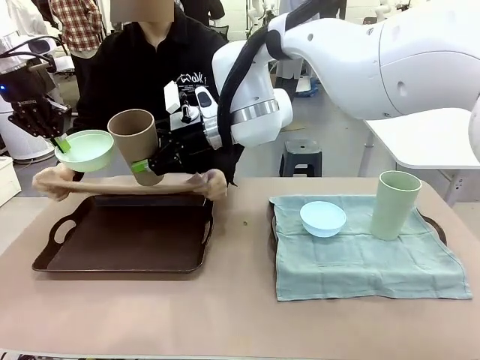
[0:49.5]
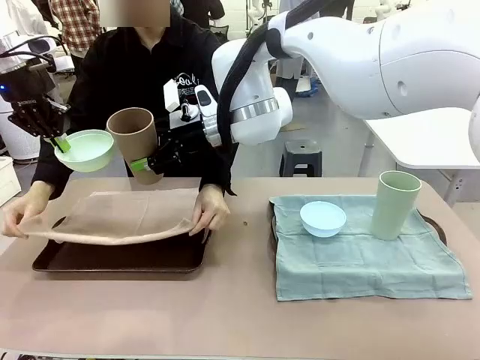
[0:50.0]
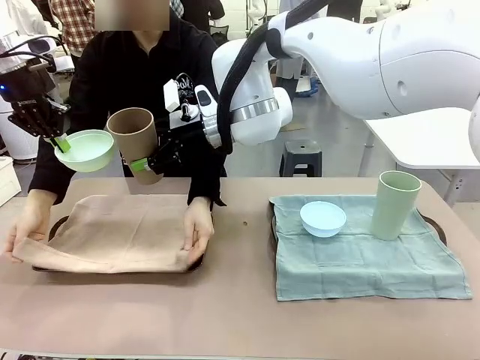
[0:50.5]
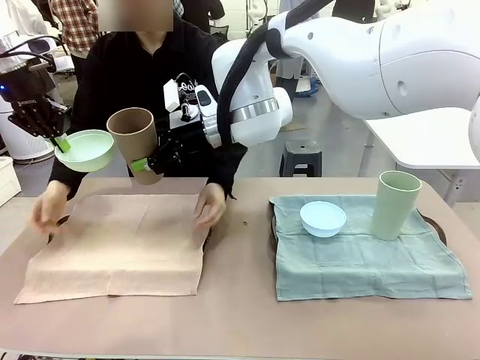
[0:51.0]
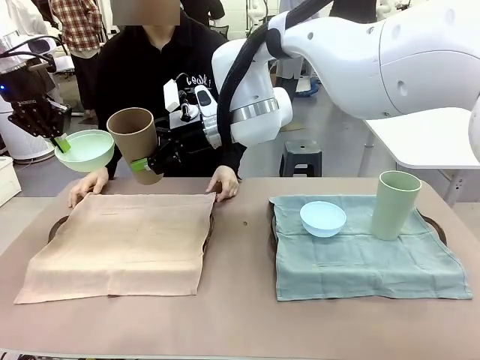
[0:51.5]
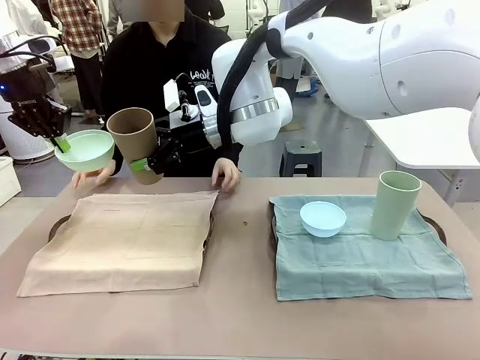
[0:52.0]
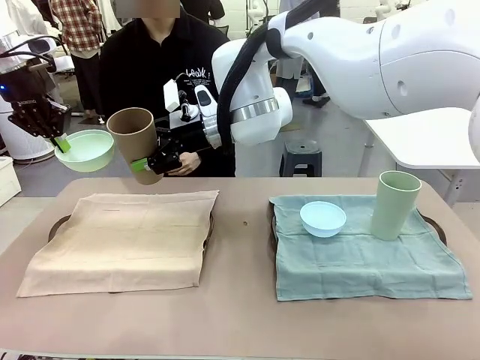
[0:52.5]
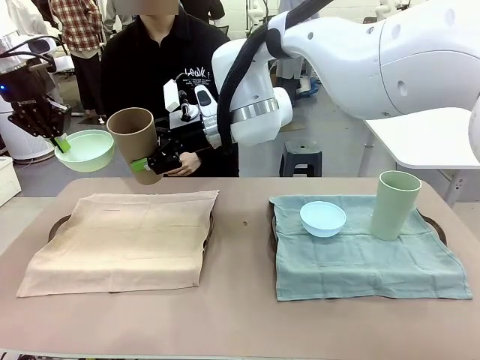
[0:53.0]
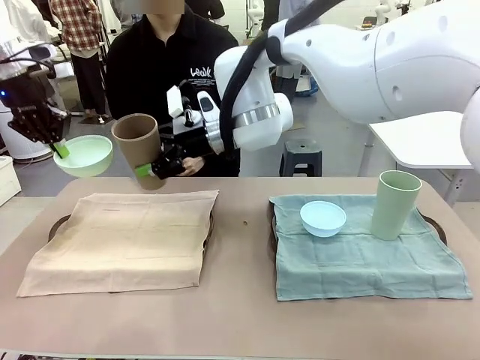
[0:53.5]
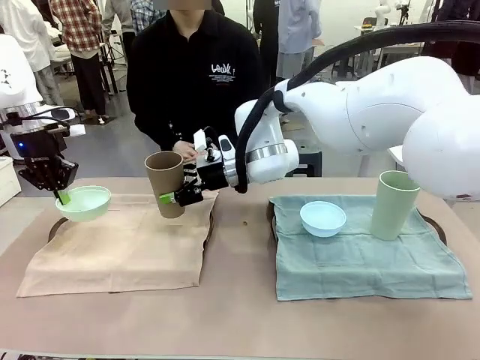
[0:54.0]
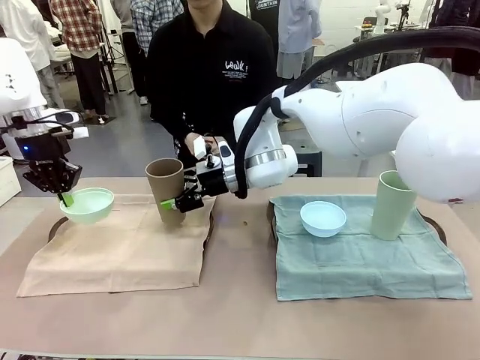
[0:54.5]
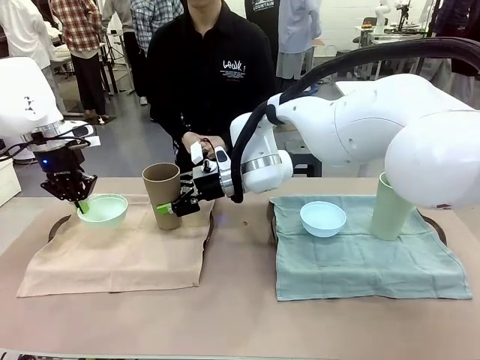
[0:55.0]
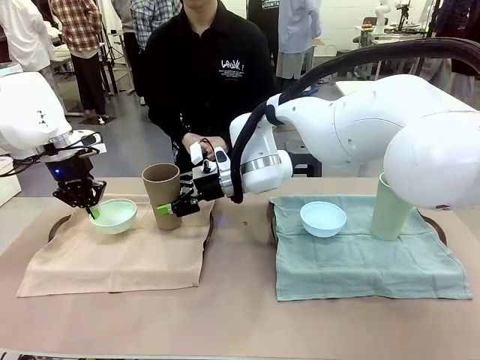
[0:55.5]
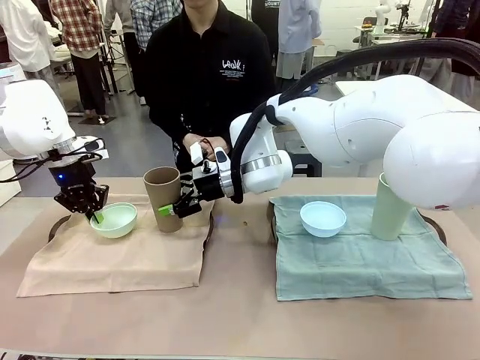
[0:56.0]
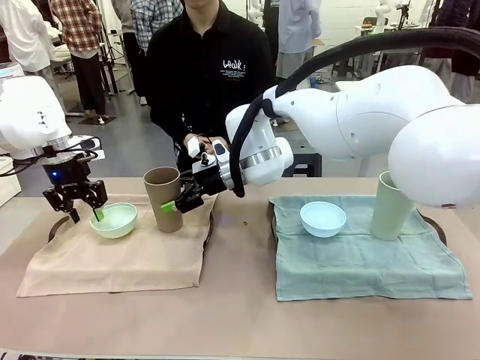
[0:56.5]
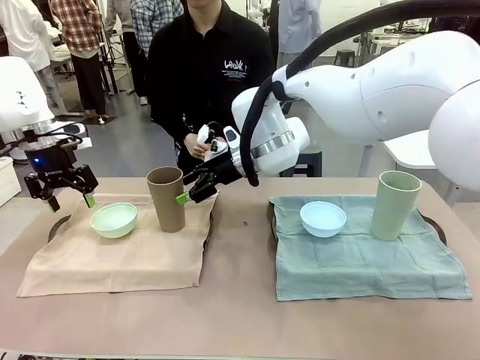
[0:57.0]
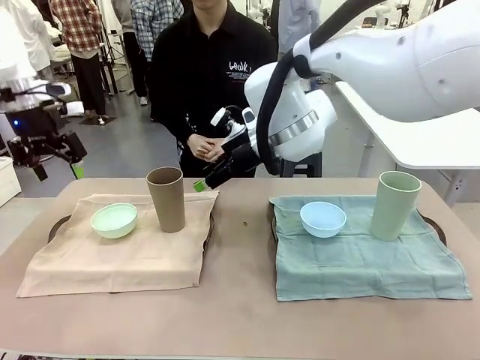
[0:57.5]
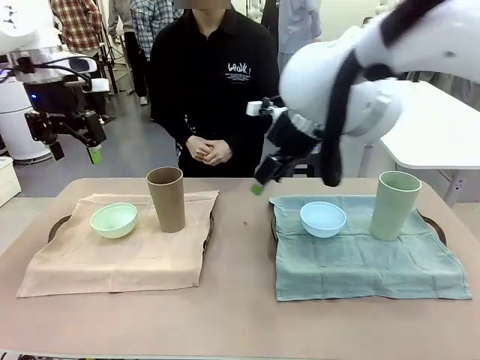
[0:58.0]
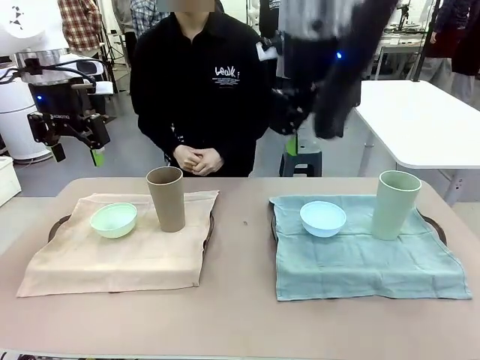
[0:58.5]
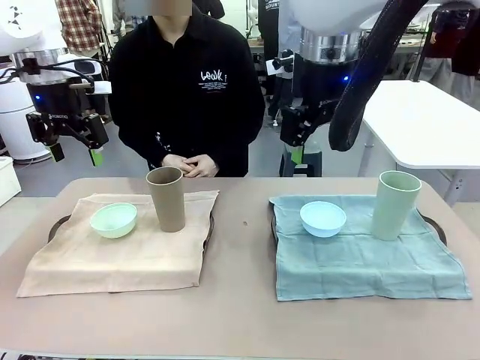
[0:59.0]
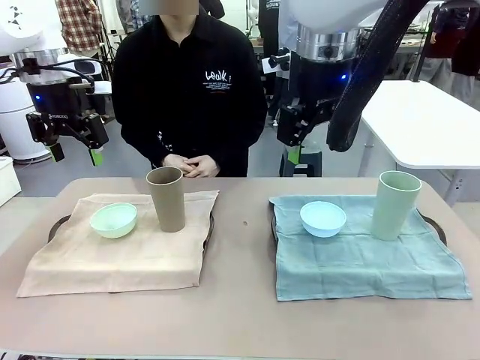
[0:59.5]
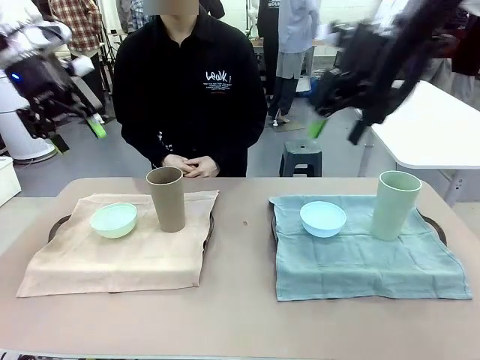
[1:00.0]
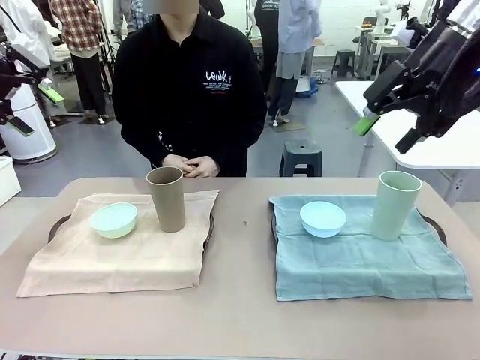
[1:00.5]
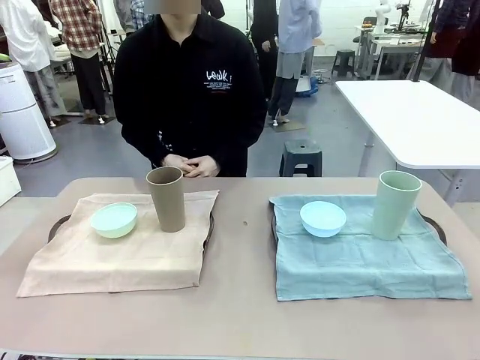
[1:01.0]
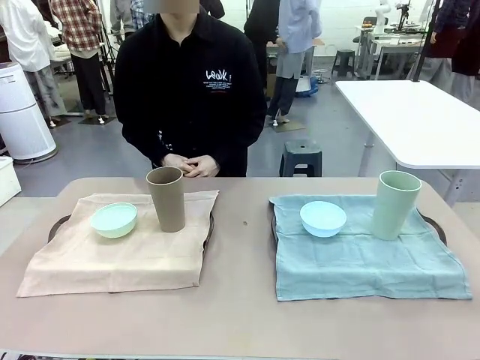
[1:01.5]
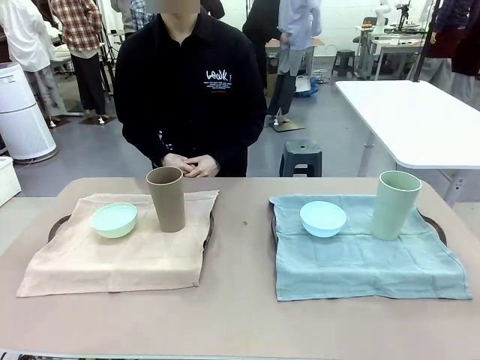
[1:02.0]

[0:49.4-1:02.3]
Robot: Place the Picnic Bowl and Reusable plastic cup back onto the Handle tray in front of the human's position.
